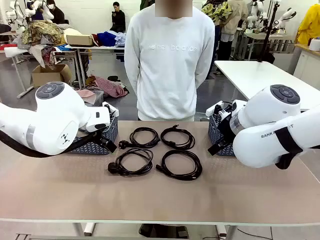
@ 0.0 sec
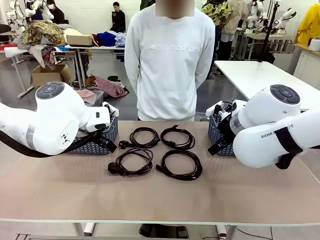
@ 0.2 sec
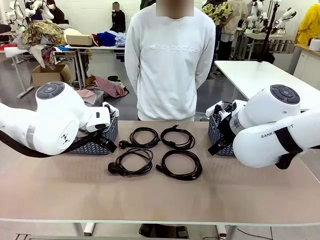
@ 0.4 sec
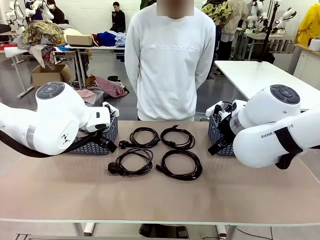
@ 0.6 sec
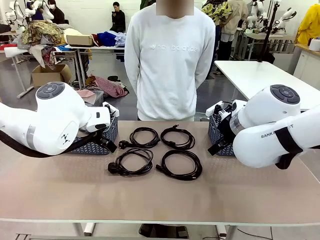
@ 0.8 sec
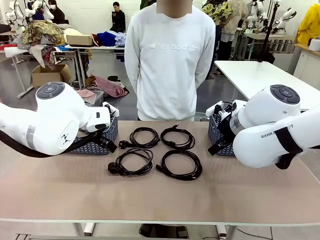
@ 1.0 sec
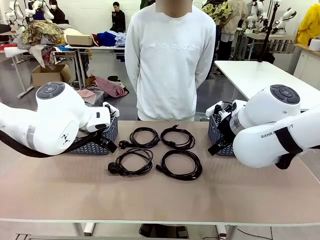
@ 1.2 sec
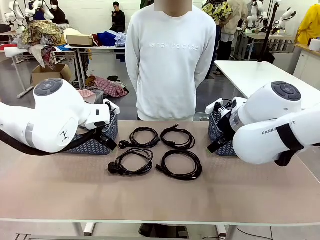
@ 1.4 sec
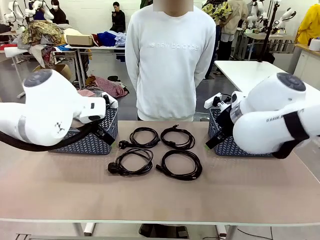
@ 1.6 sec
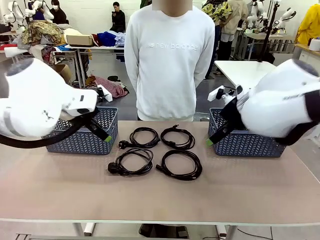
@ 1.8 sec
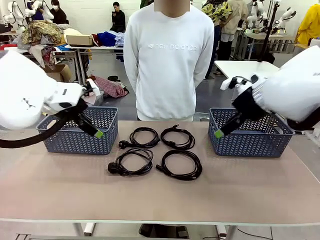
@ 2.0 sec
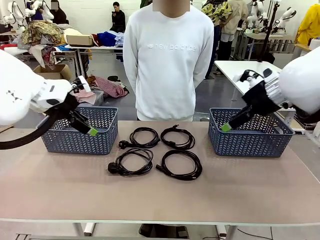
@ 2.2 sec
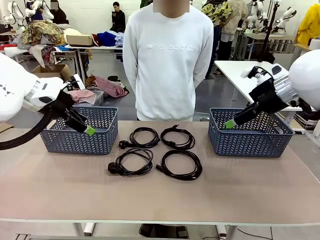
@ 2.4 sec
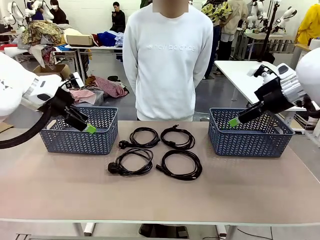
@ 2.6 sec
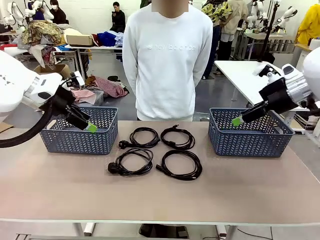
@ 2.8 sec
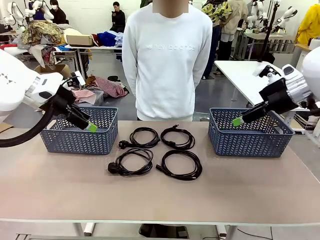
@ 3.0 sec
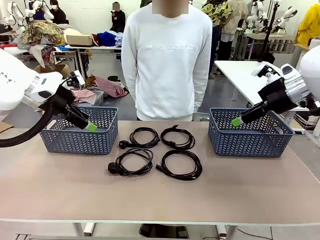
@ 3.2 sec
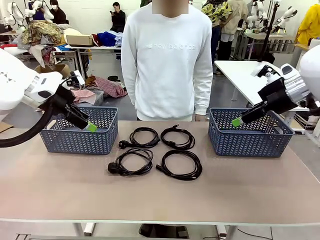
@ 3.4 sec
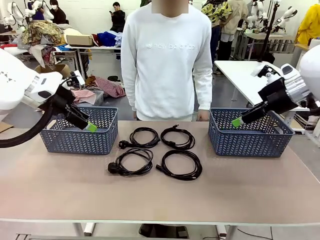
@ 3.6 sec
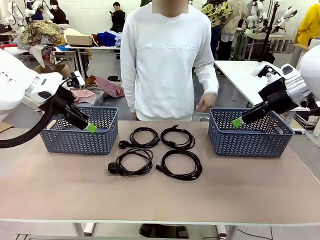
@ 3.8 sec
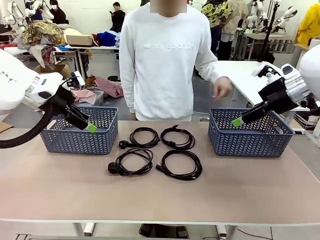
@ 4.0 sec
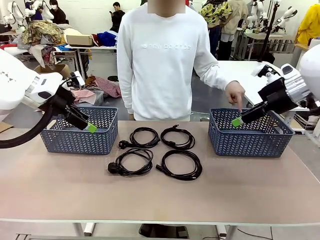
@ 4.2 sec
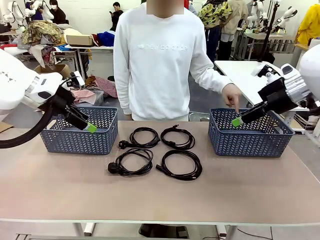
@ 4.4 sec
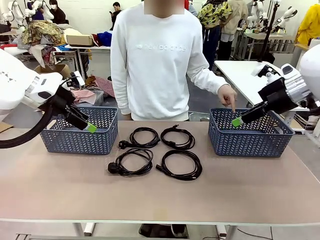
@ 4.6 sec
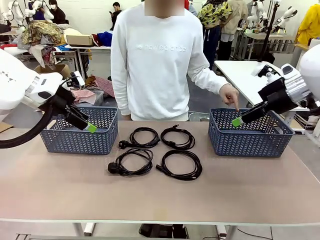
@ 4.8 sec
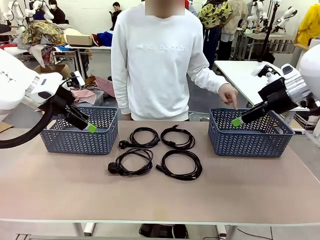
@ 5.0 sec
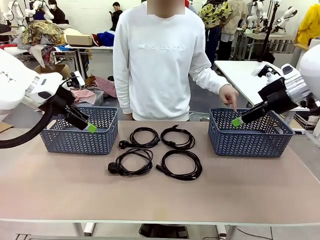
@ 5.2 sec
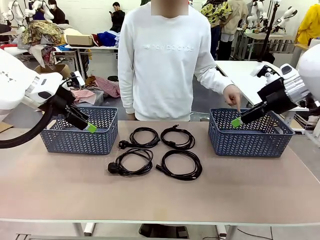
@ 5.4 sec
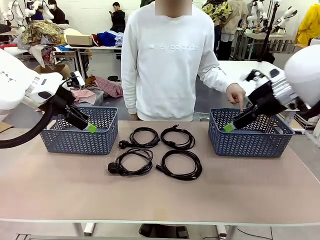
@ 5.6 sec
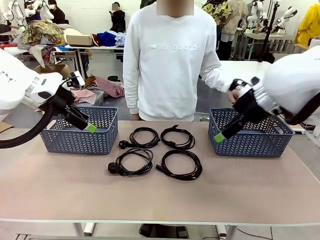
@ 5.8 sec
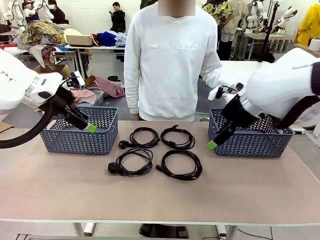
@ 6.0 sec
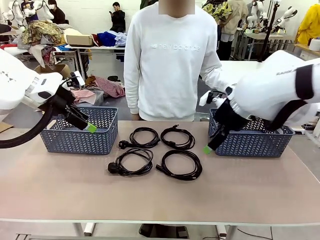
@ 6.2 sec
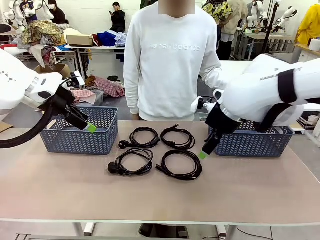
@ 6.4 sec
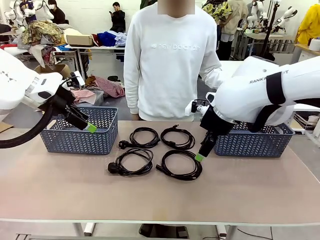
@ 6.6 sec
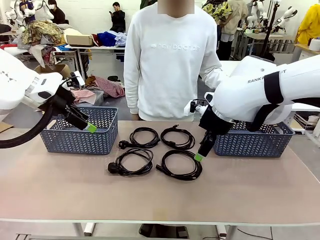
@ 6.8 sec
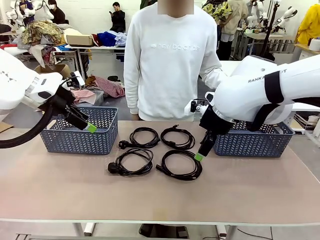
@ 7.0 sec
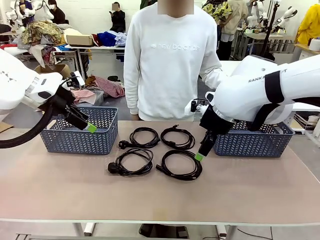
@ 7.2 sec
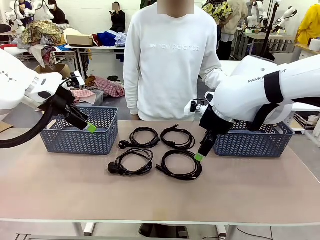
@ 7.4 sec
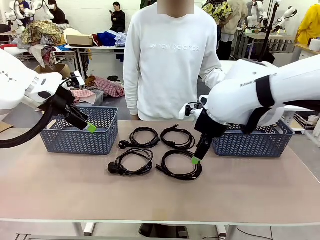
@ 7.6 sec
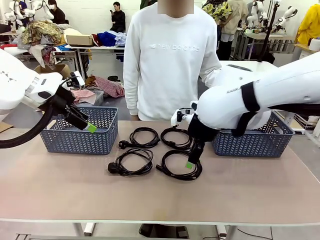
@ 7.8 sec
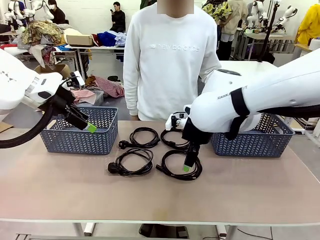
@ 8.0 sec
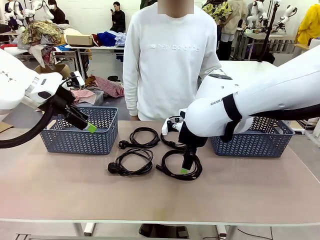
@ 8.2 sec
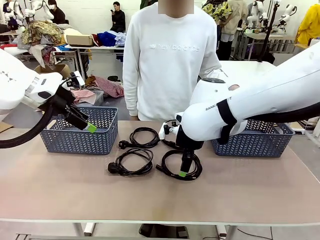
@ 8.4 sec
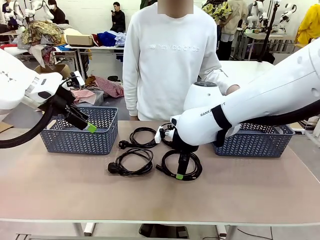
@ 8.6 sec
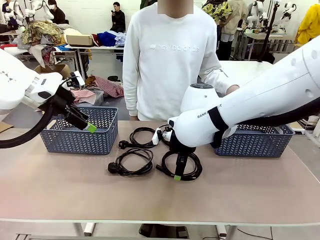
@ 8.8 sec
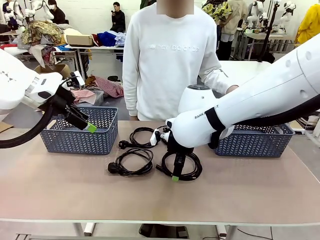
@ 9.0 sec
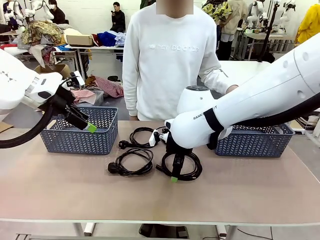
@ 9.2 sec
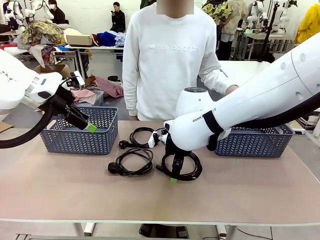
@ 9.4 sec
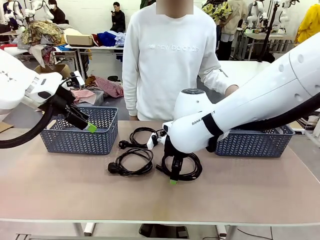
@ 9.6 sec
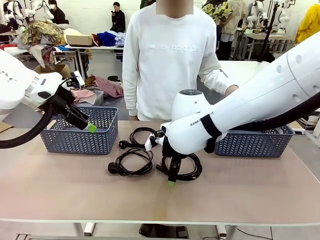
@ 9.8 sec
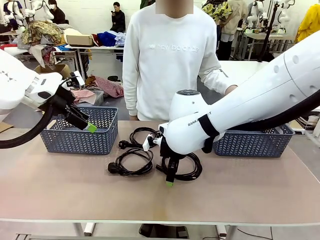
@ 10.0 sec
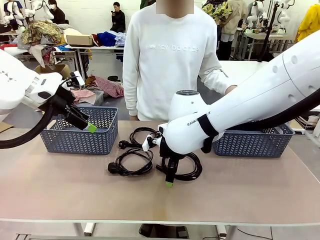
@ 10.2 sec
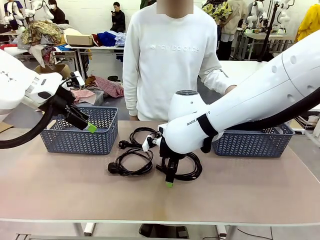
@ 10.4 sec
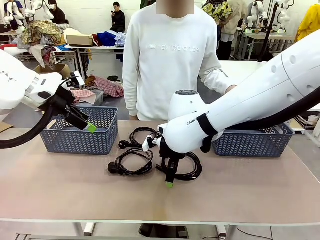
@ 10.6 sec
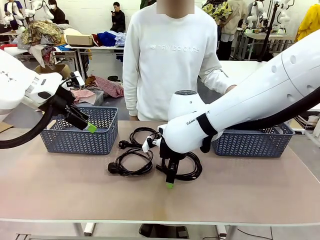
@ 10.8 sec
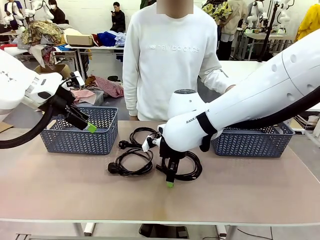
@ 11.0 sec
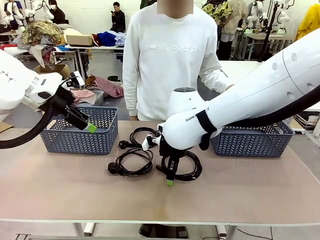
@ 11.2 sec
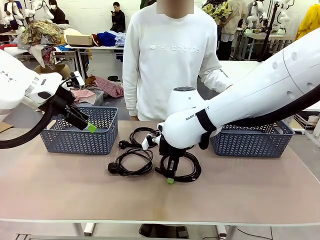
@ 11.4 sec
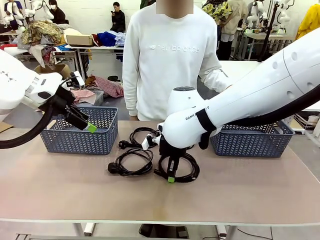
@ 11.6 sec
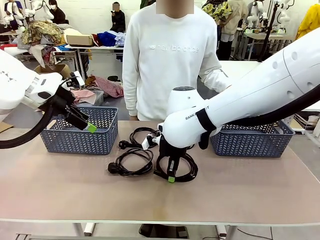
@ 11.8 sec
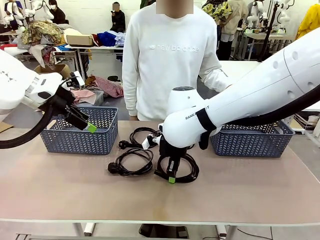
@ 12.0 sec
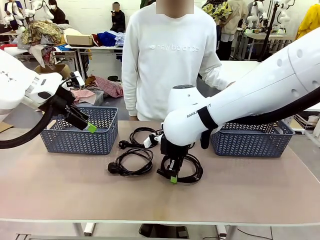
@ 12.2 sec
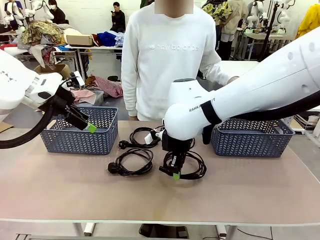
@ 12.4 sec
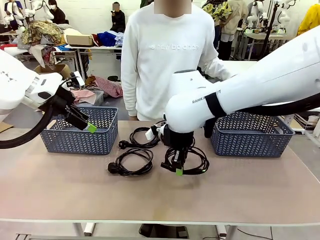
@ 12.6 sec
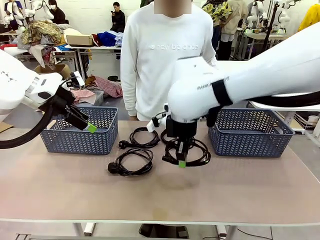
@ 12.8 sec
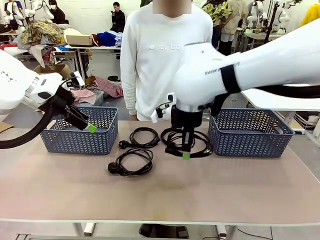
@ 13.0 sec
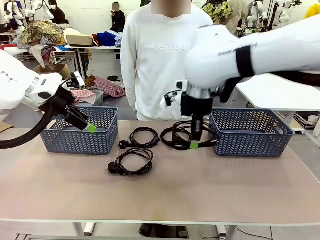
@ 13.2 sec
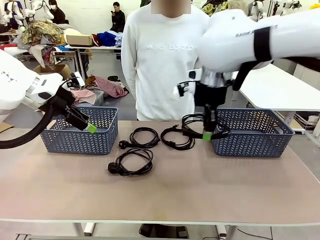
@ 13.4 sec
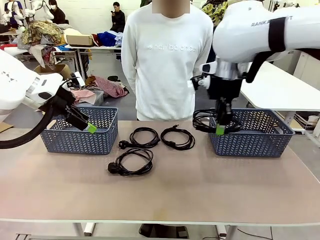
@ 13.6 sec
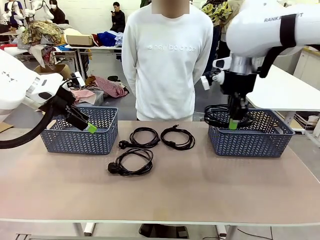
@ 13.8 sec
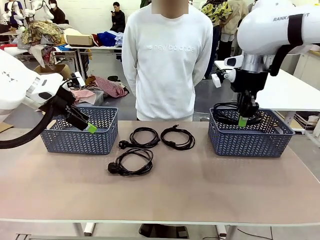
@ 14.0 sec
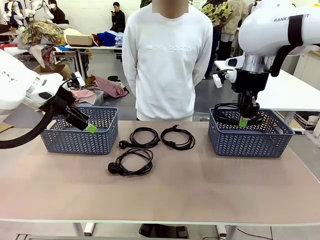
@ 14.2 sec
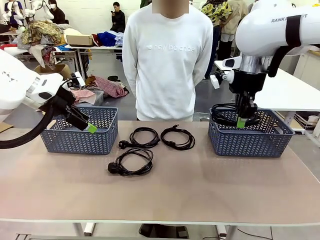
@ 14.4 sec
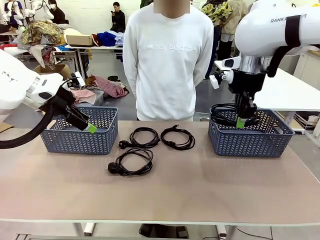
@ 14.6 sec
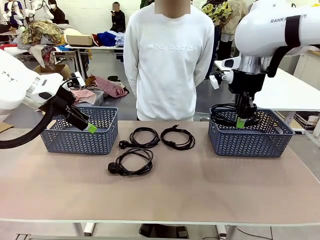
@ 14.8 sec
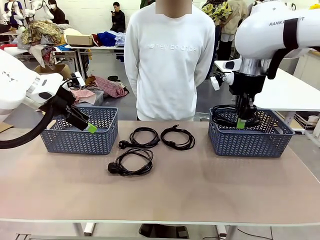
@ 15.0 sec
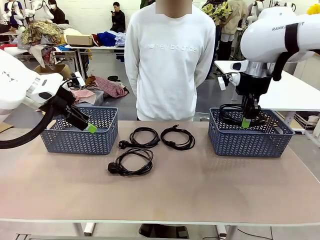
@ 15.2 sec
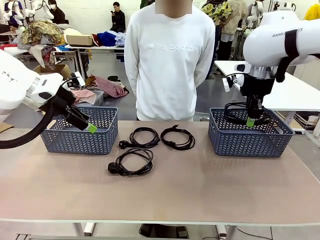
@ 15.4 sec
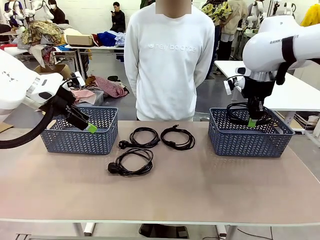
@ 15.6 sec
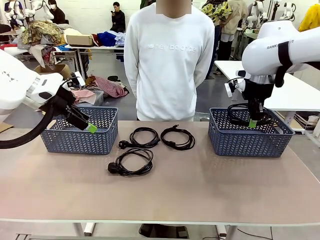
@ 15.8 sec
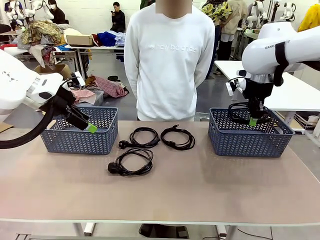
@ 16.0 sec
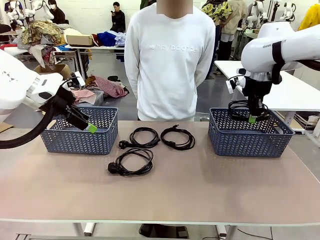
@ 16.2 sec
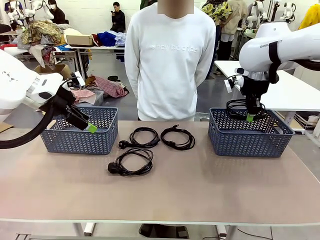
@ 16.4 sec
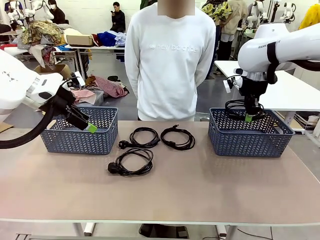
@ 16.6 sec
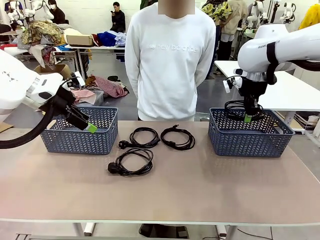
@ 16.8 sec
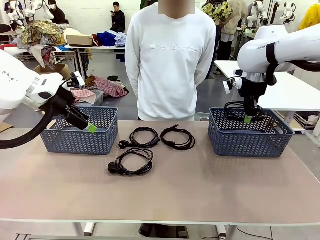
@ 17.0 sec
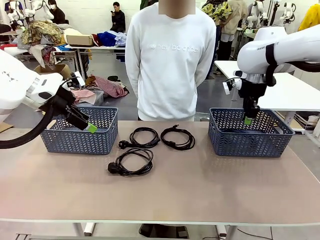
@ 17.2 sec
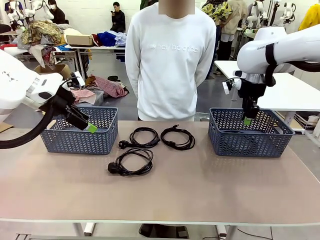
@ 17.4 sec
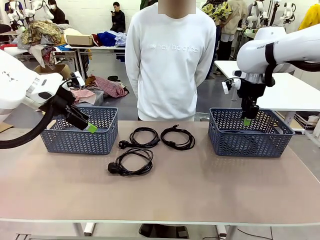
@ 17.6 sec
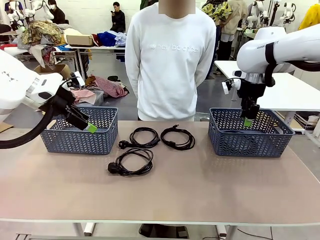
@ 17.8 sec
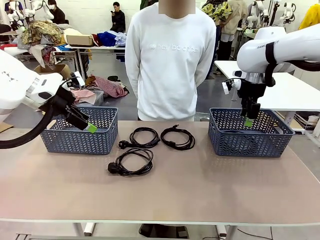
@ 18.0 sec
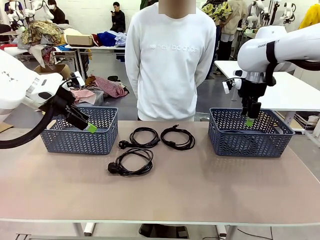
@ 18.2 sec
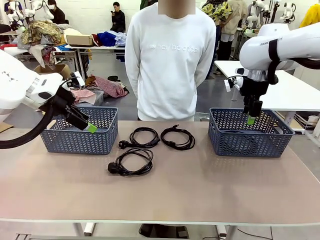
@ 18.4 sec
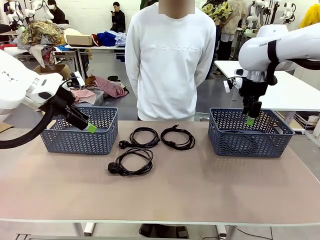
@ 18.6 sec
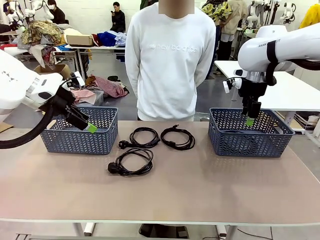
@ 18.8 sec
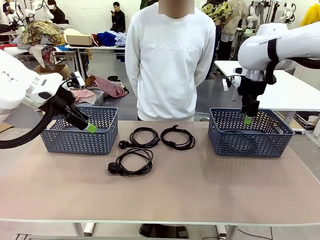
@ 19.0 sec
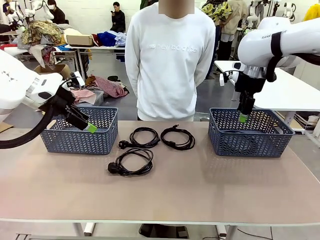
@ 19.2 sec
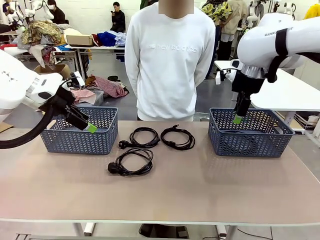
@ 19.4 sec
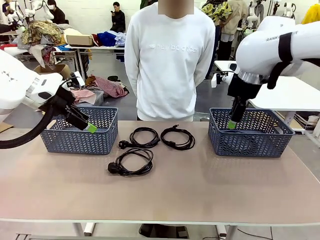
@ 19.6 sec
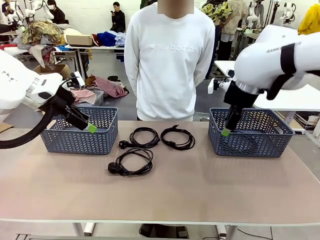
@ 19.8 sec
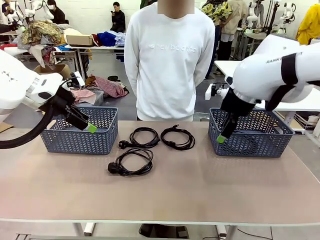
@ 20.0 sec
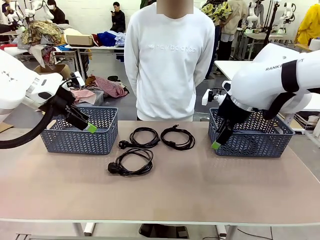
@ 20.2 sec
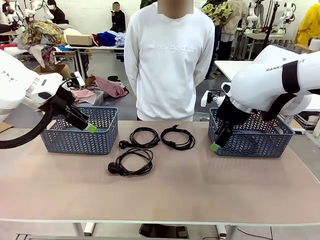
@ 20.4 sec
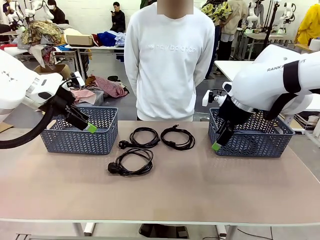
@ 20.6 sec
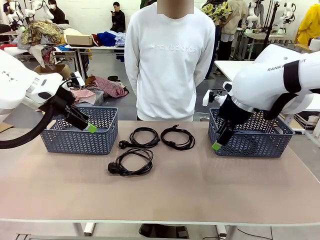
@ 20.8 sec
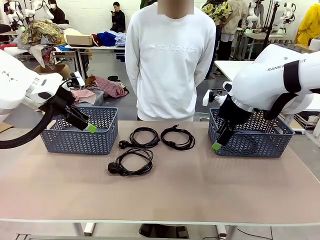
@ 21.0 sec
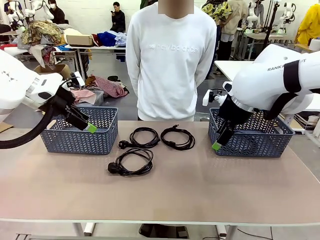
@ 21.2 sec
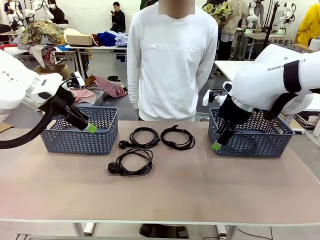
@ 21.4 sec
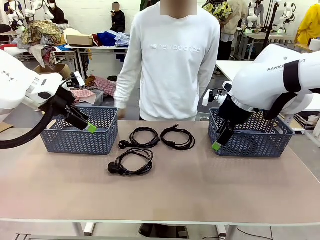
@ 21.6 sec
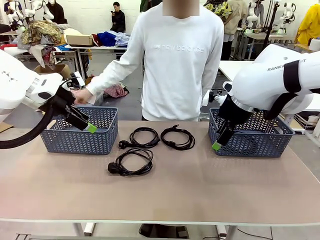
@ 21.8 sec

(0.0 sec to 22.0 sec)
Task: Organize the cables according to human instructions.
Robot: Pick up a bundle of cables and place it in the basket indicated by the human.
